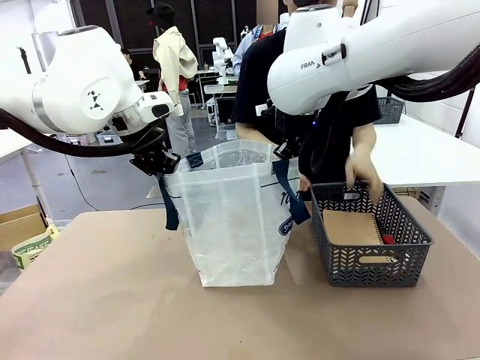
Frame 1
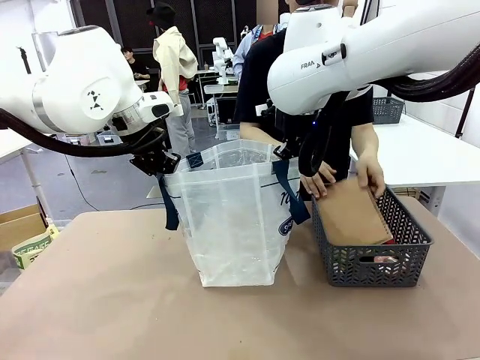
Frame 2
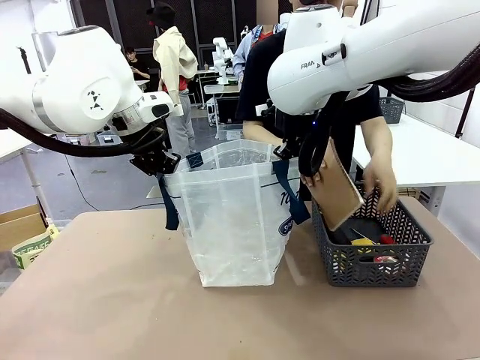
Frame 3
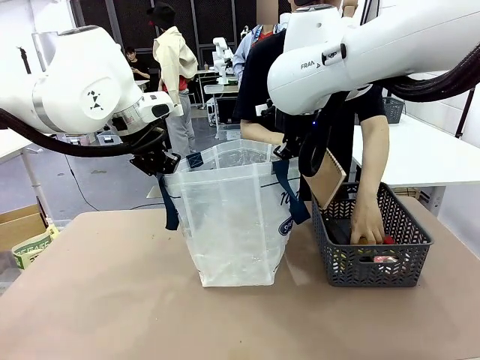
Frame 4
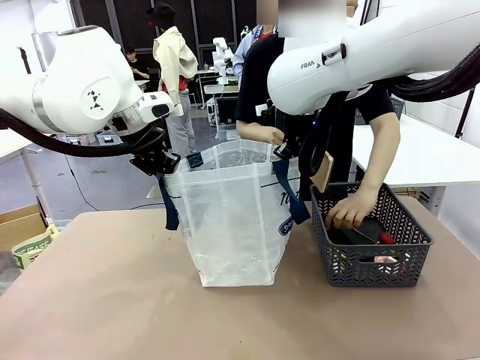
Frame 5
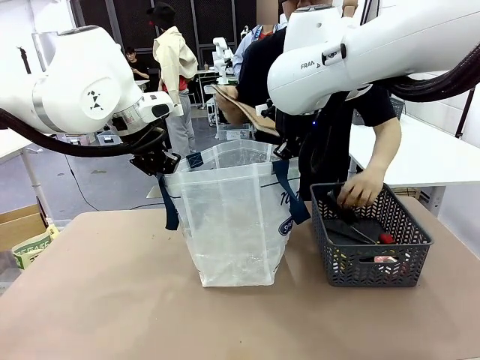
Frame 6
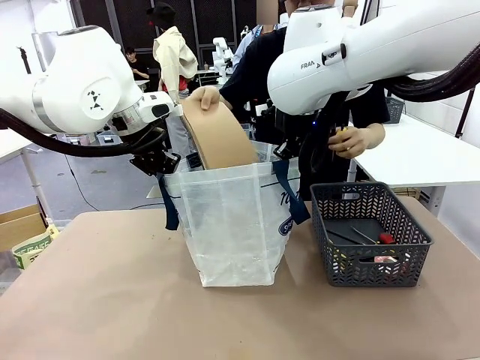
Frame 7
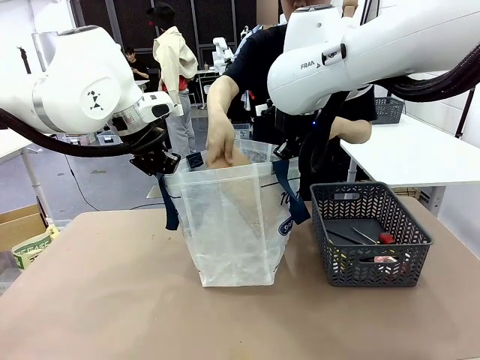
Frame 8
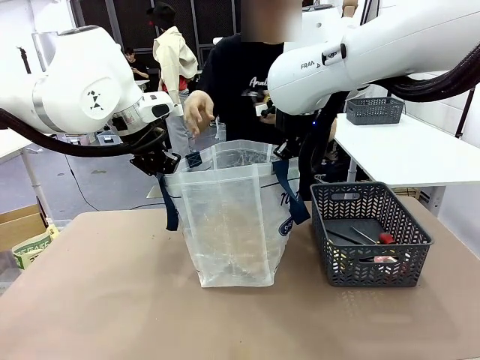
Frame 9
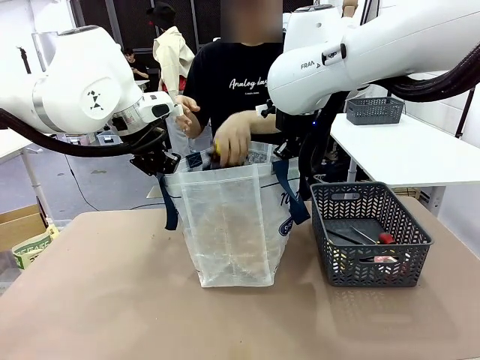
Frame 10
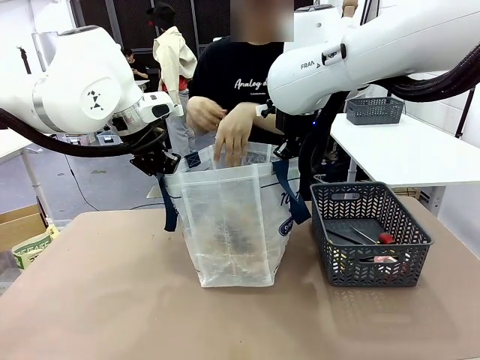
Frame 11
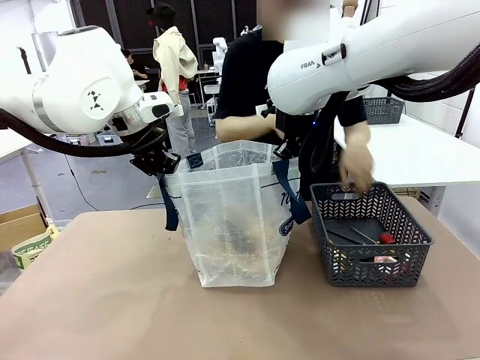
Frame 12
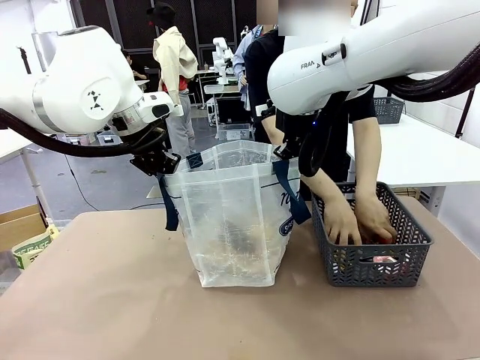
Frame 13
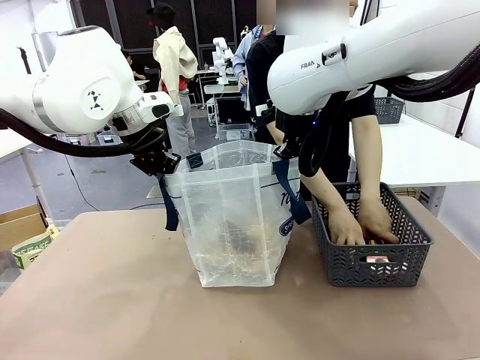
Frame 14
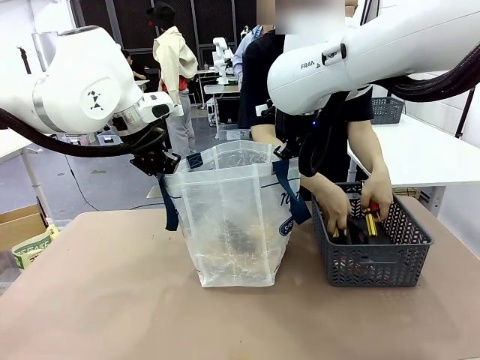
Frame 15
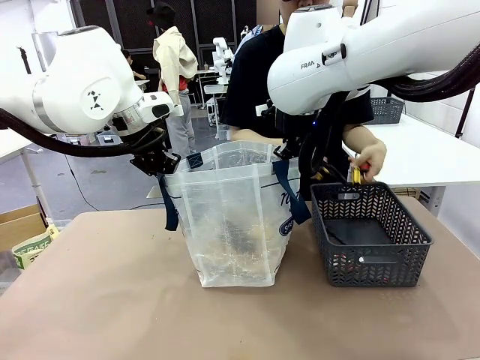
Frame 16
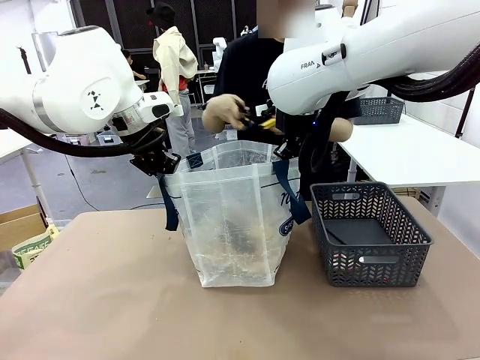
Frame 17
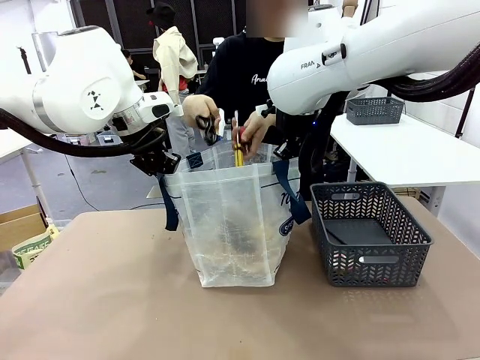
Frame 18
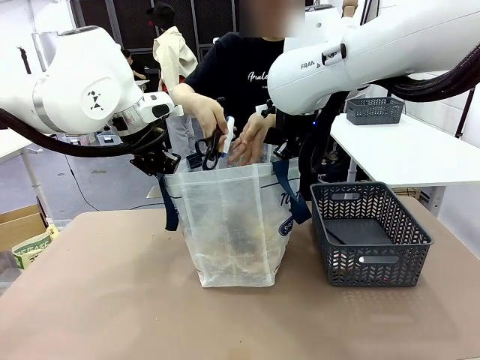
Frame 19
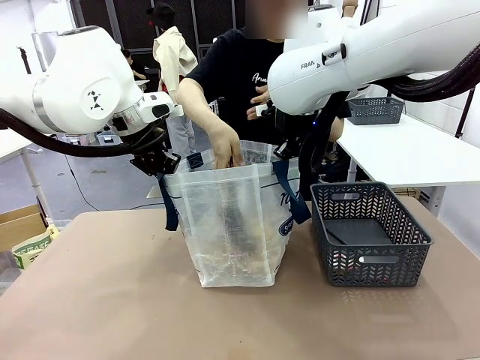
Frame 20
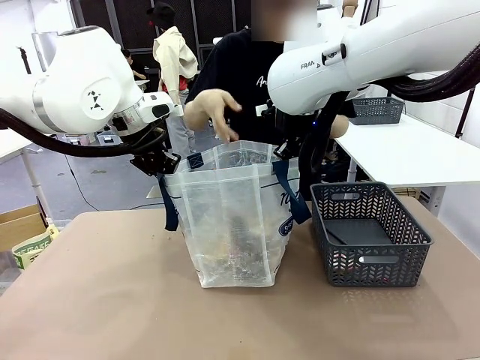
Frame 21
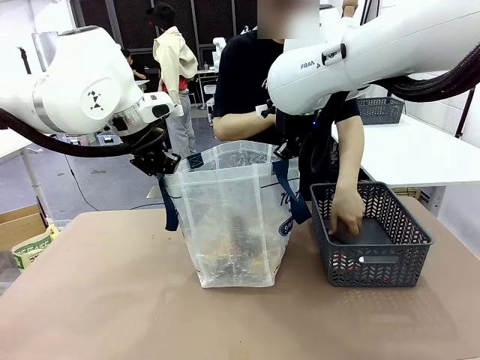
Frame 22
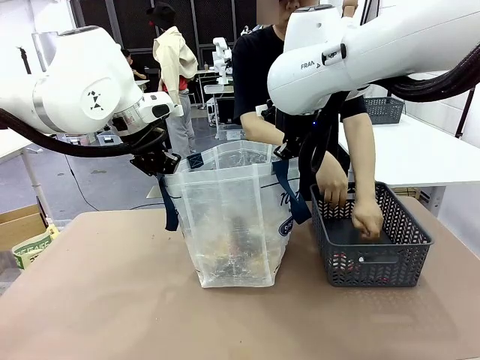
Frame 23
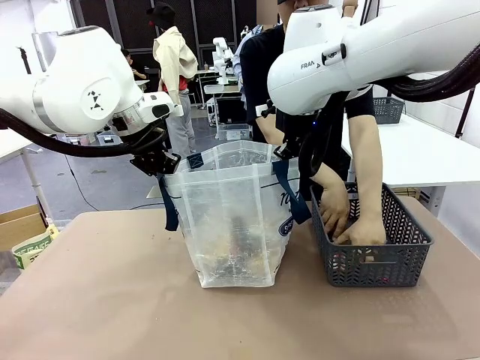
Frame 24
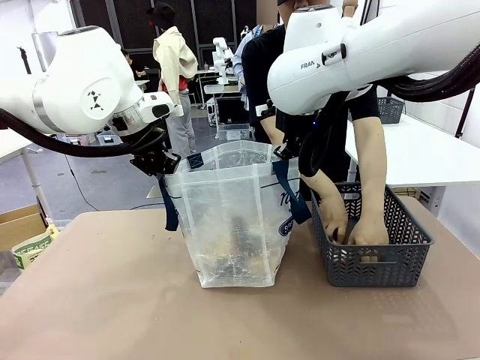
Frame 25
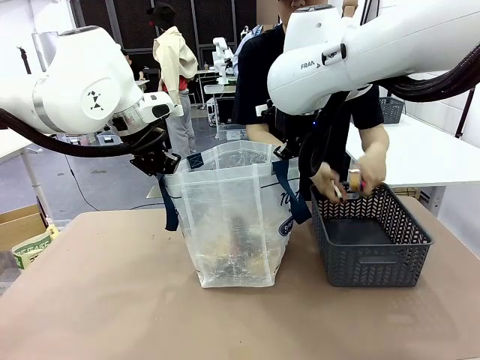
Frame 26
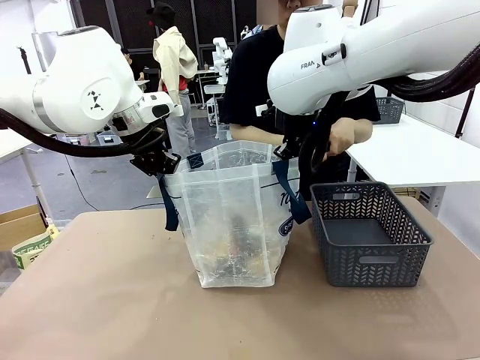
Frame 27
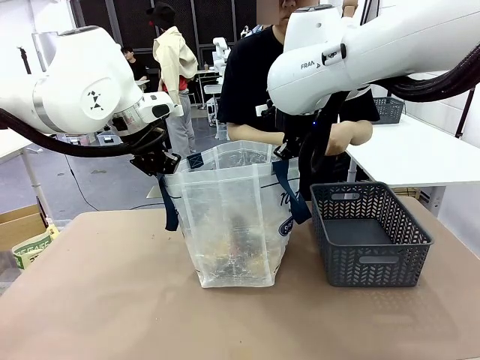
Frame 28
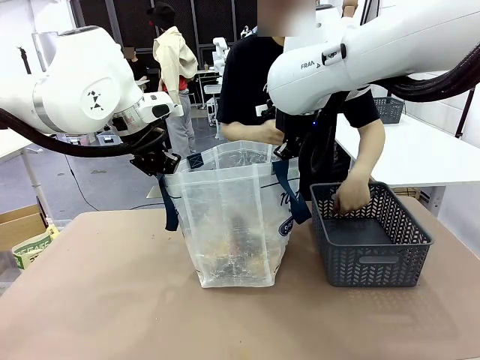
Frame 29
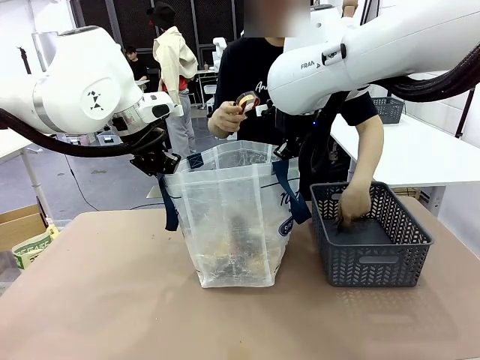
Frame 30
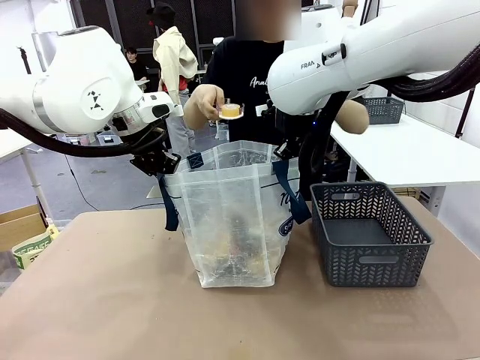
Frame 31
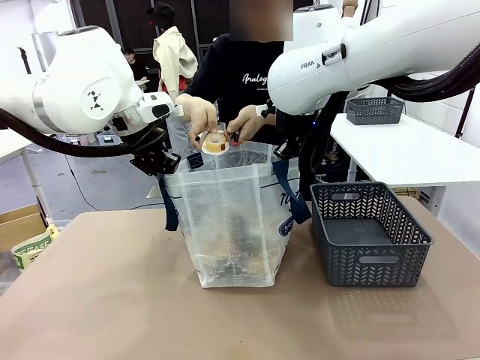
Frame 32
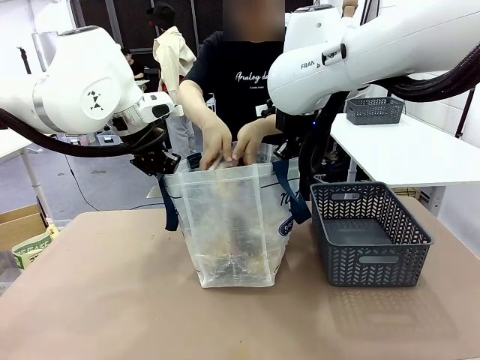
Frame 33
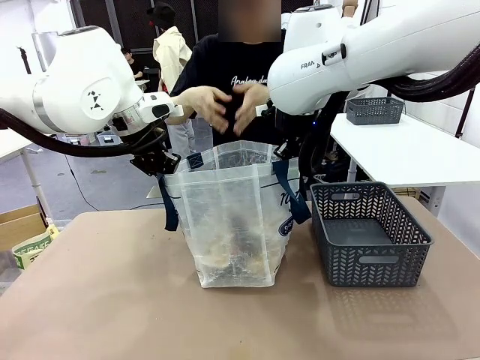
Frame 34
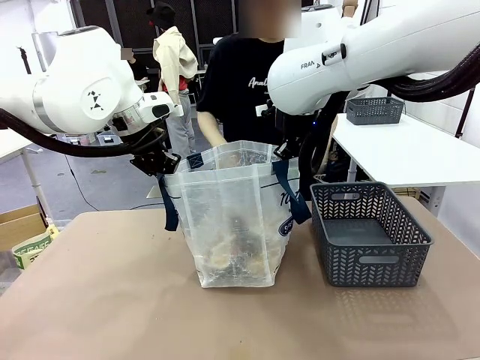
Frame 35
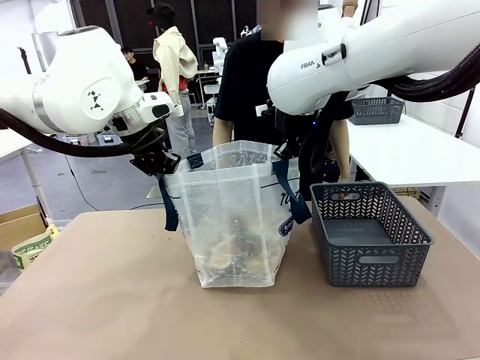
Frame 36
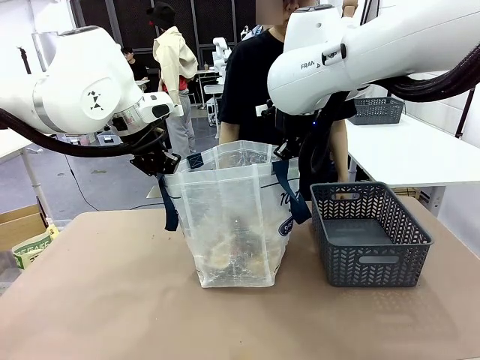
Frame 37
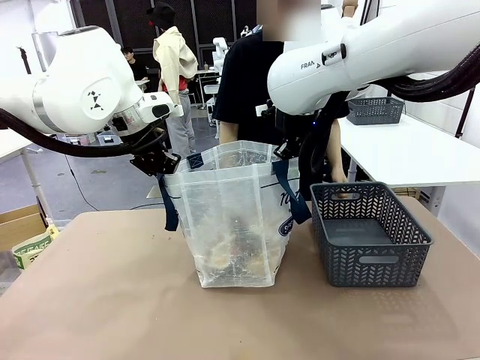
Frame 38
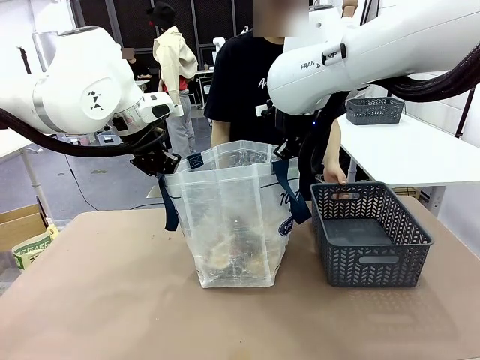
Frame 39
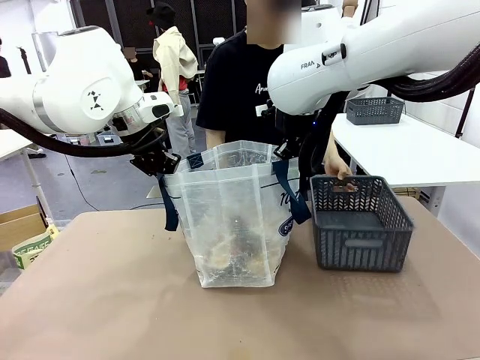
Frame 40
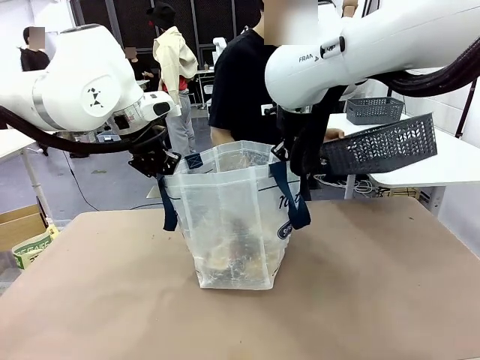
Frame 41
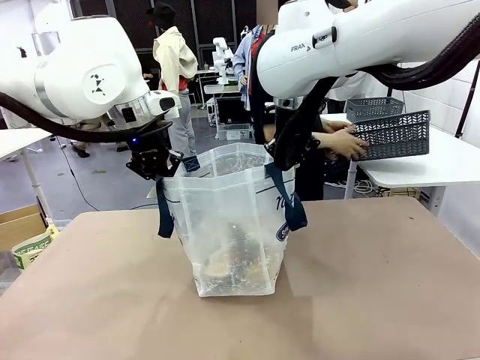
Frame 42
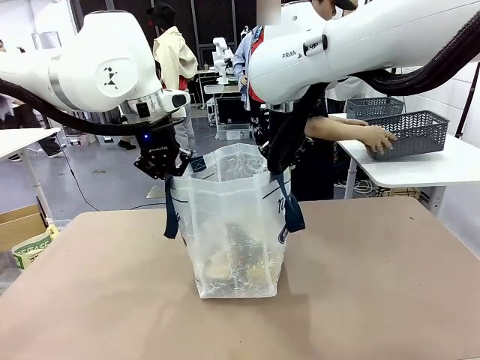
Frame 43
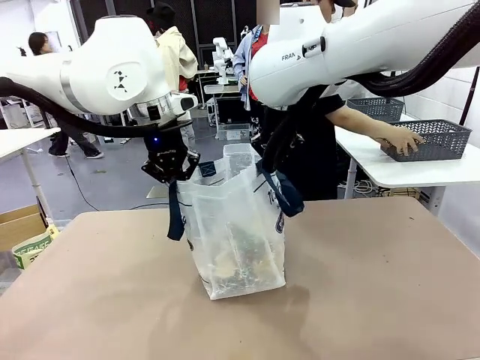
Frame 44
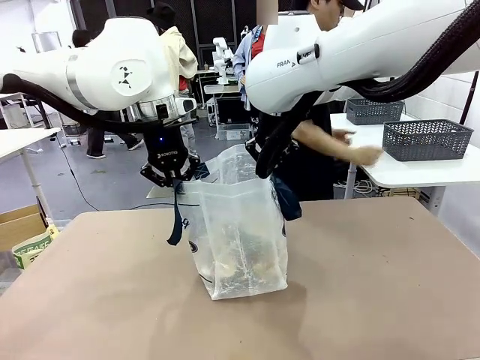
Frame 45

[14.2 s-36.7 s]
Task: Transfer purchased items from the store into the shopping bag.
Robot: Move the Reusable shopping bag to the right side of the table.
Person: Pick up the basket on the right, place it on the left side of the robot table, and move the items in the basket to the shopping bag. Pick up the basket with the items out and place it on the right side of the human table.
